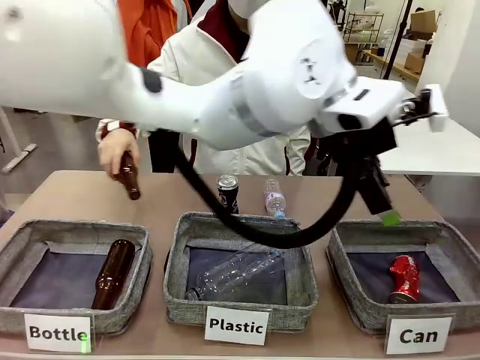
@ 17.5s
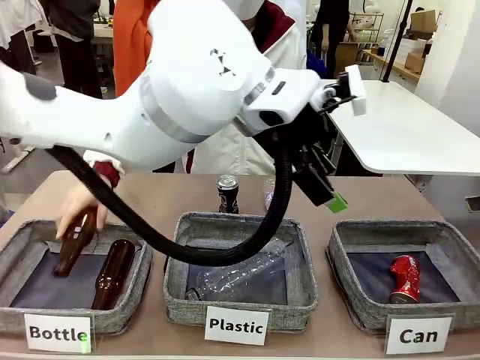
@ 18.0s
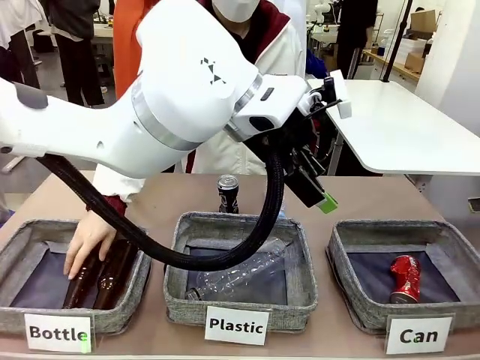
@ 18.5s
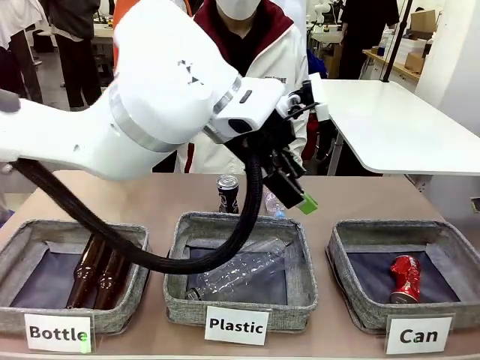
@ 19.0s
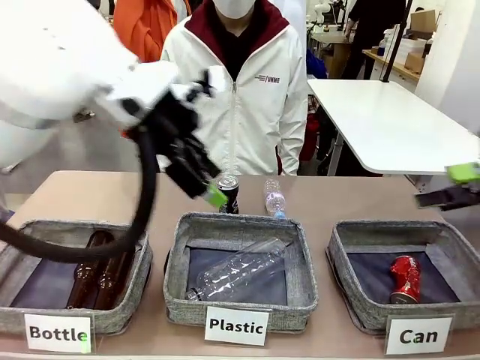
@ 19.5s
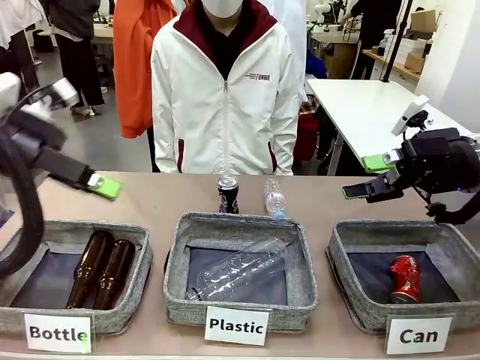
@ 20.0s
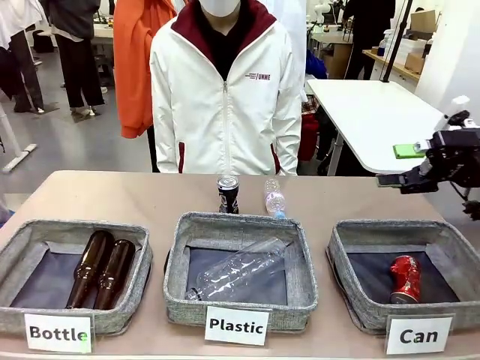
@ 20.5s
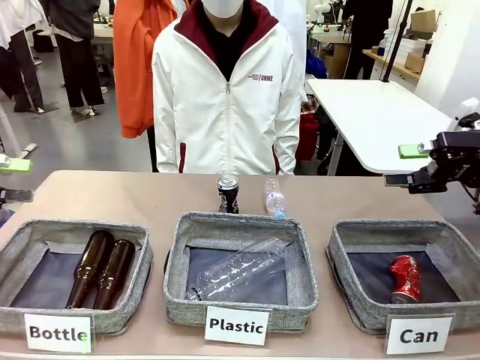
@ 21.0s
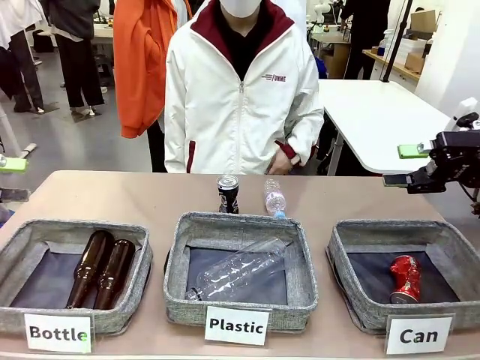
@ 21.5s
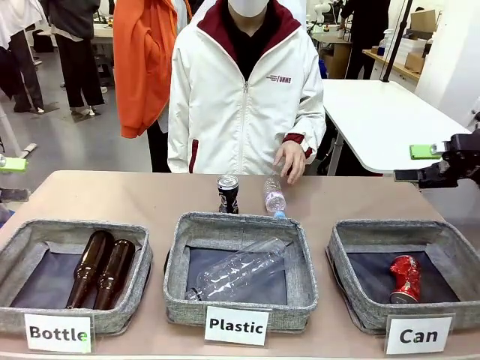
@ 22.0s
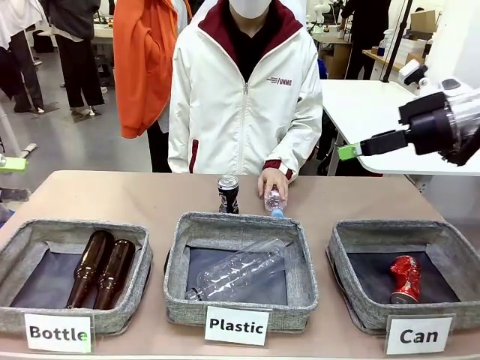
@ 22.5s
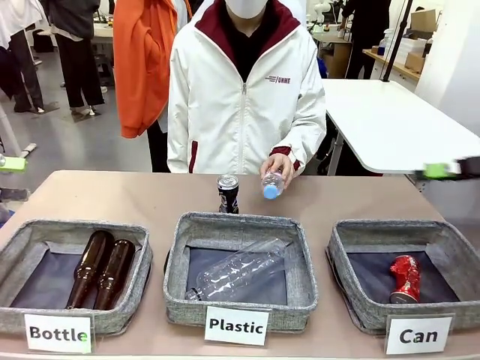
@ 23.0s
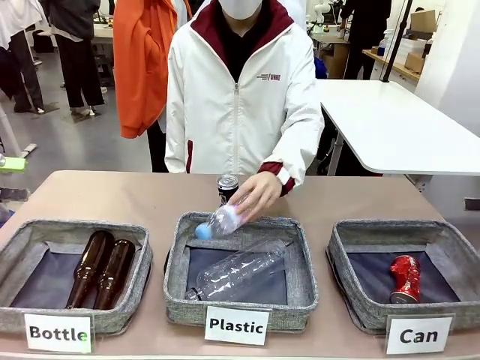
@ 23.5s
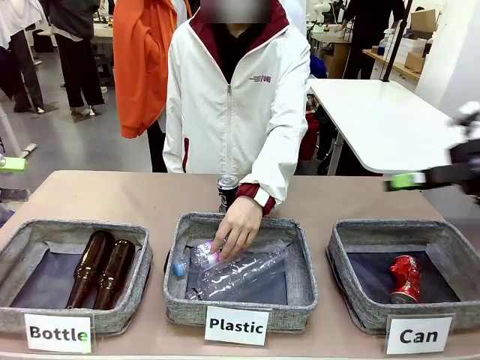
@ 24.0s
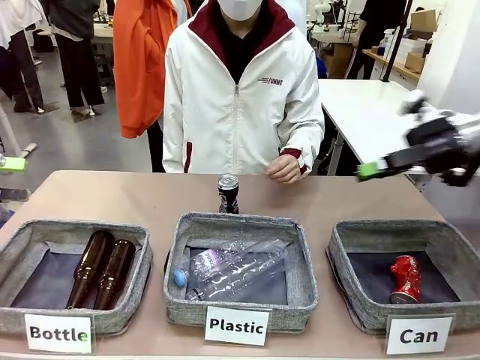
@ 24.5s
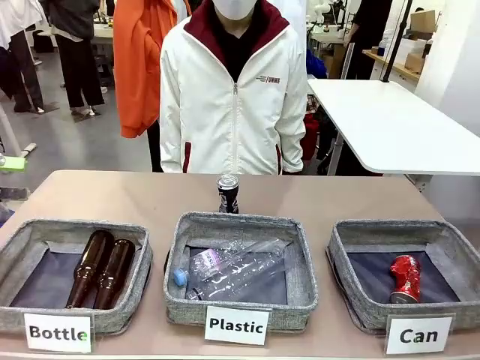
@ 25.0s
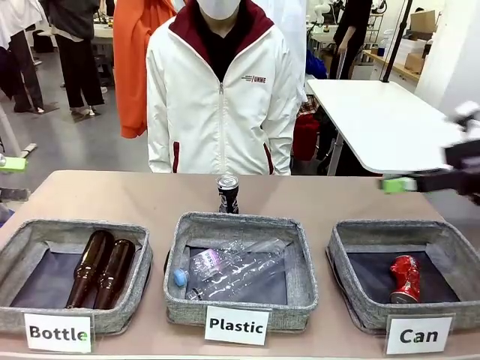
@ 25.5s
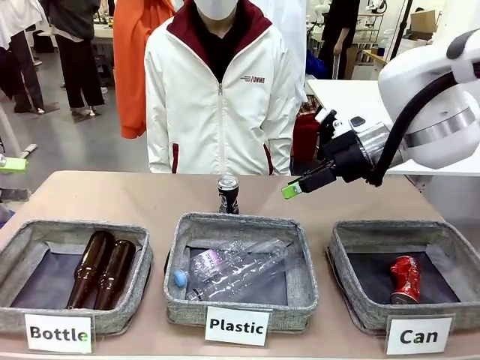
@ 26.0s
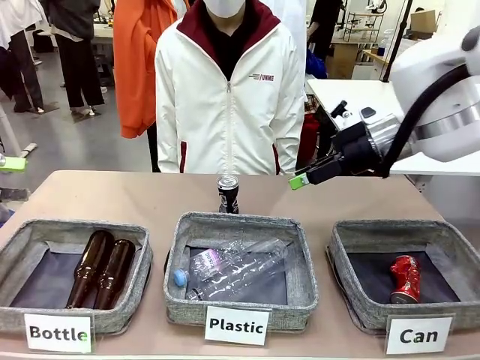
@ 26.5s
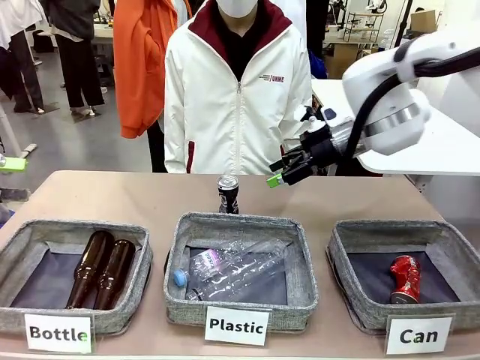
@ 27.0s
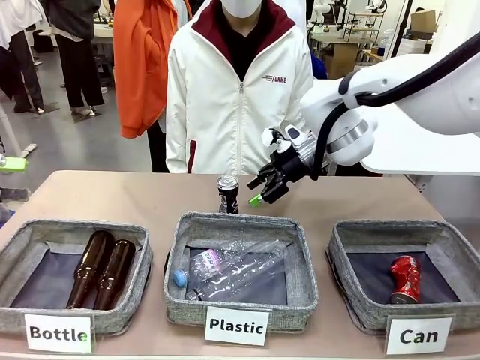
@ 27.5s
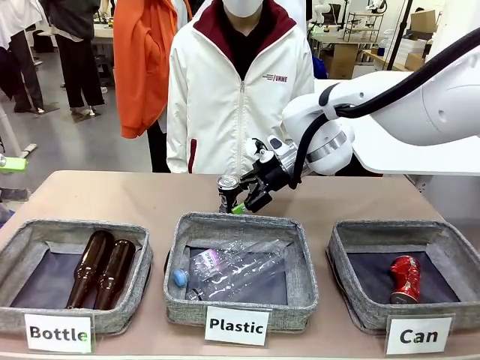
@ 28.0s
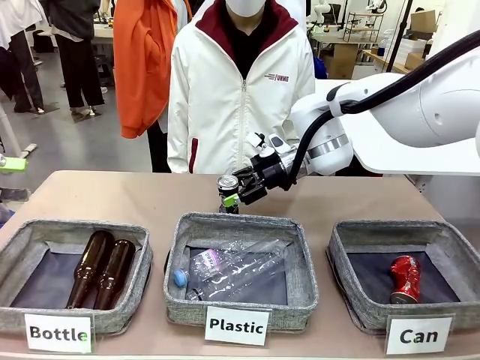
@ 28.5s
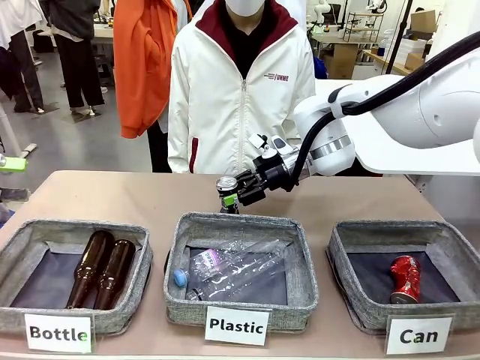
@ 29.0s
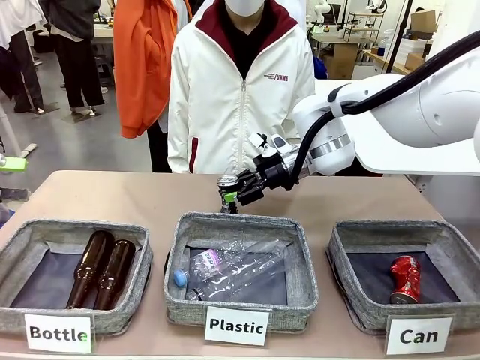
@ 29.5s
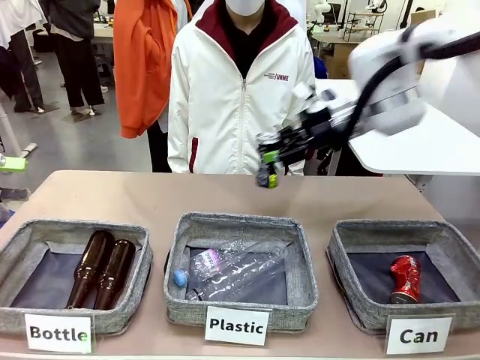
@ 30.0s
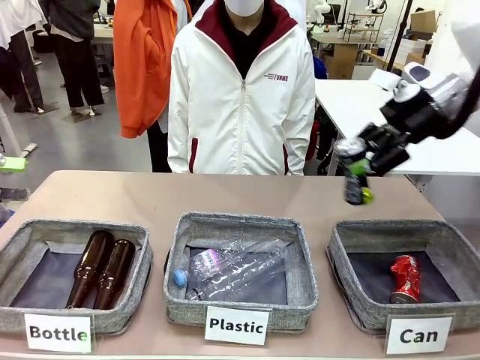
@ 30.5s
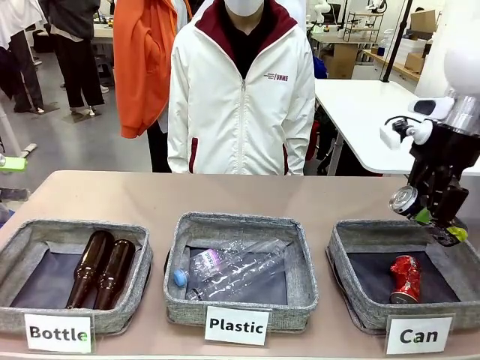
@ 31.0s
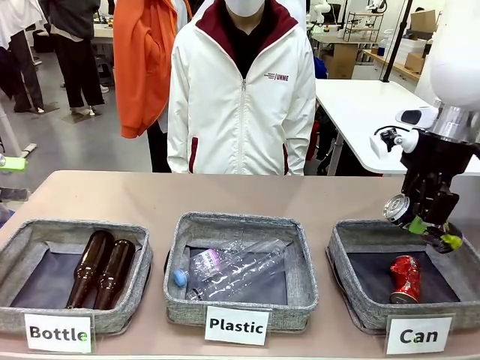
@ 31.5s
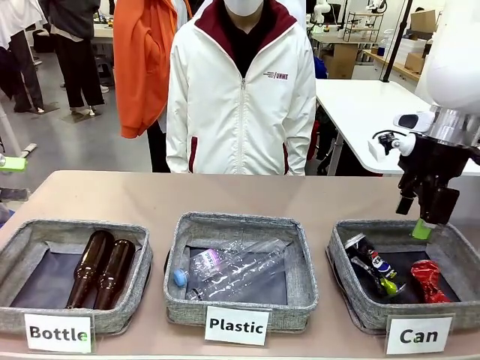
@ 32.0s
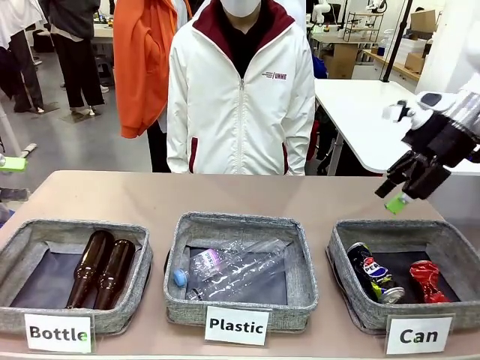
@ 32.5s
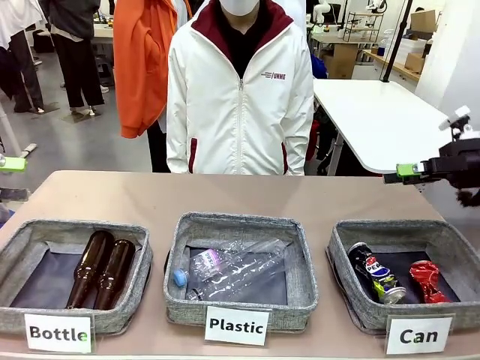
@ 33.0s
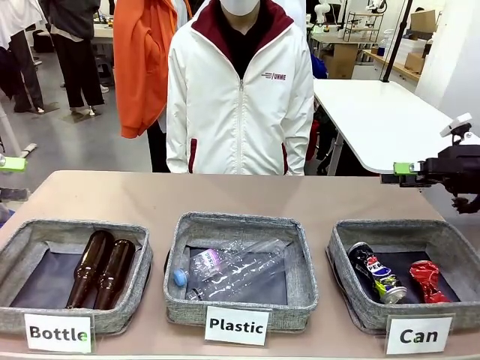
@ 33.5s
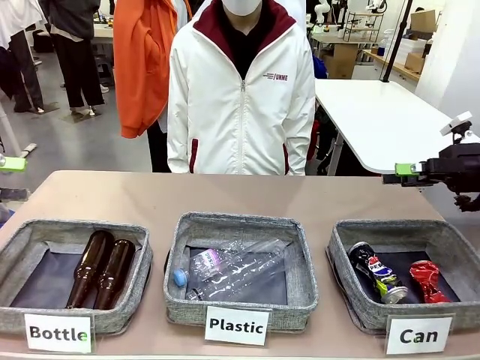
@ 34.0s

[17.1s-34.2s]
Task: Sort the can waste into the basket.
Robot: Pick up the can waste from the table and place it in the right Fabric basket.
